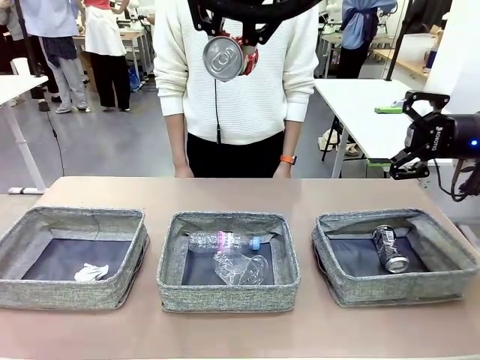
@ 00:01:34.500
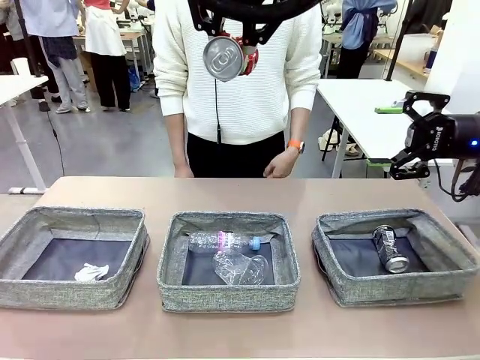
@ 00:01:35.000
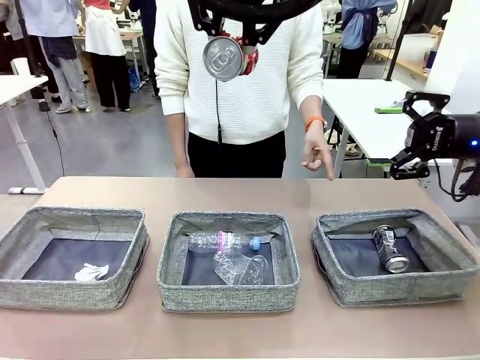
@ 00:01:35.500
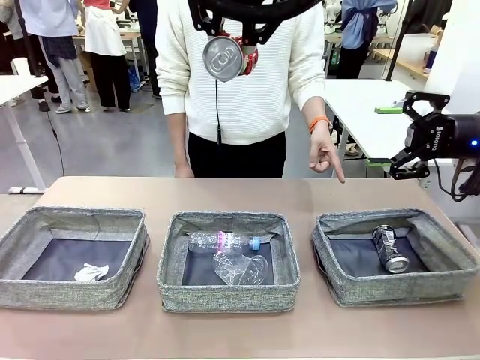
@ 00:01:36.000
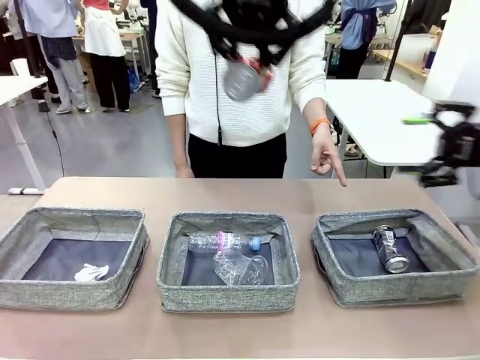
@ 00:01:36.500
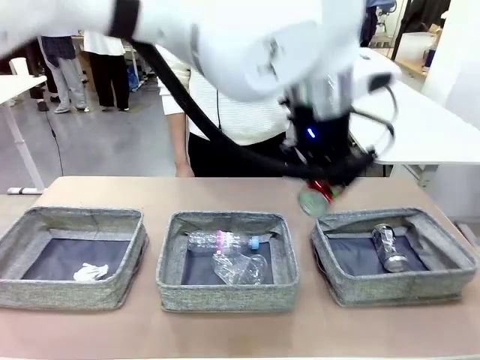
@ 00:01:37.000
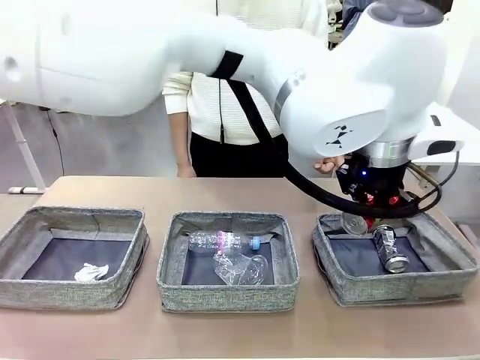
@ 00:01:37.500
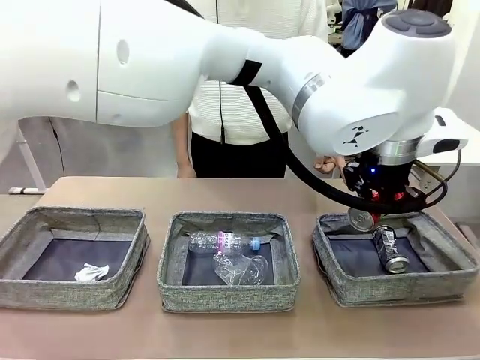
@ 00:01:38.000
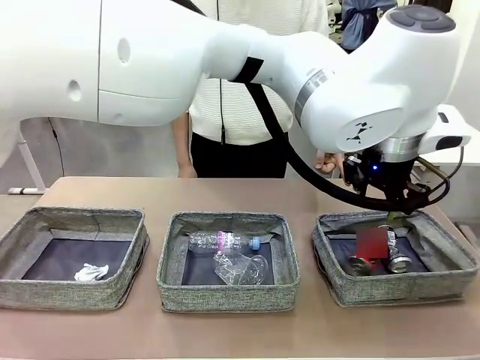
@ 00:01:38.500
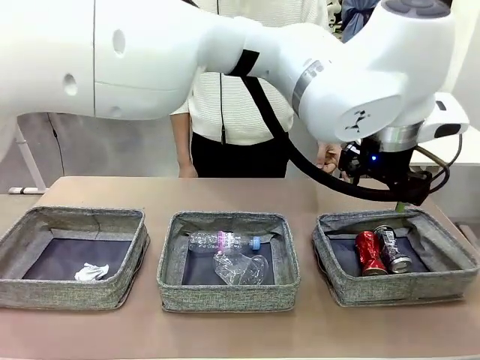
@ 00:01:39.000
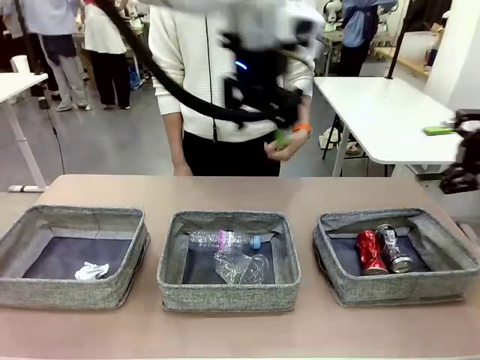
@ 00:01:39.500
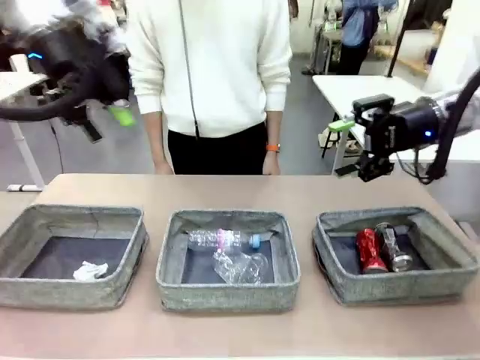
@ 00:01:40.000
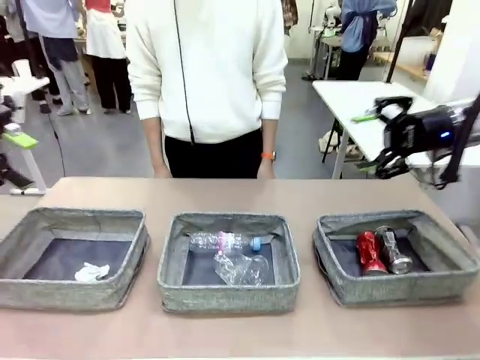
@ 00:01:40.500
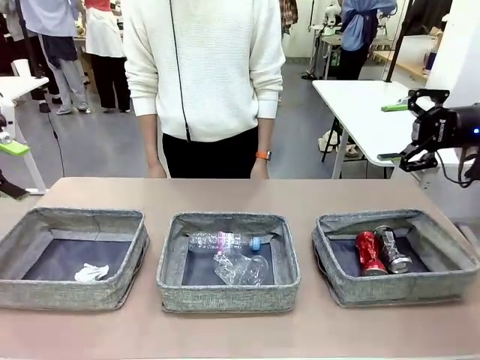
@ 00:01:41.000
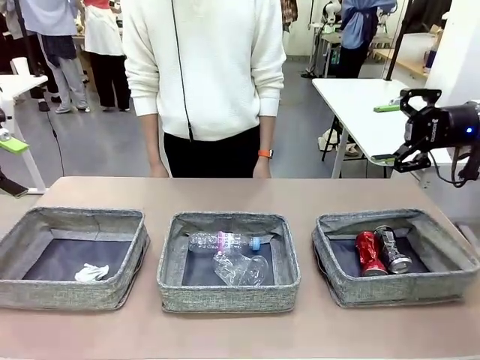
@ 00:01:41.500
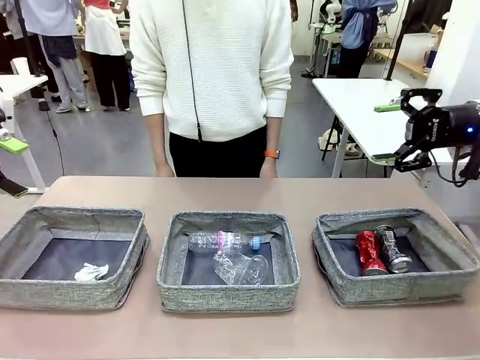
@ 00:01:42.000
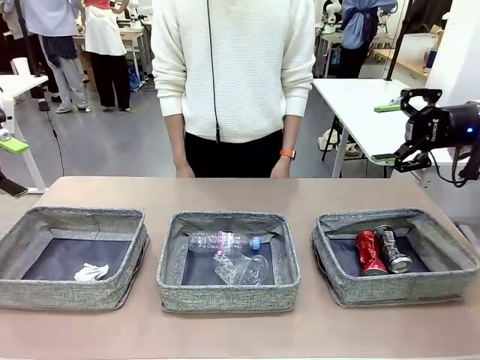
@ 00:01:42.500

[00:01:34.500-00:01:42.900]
Task: Sort the waste into the appropriate baskets.
Robot: Place the picked waste into the Fabric basket indicated by the person.
Person: Instructs the robot to place the picked-up trash into the appropriate organizing basket.

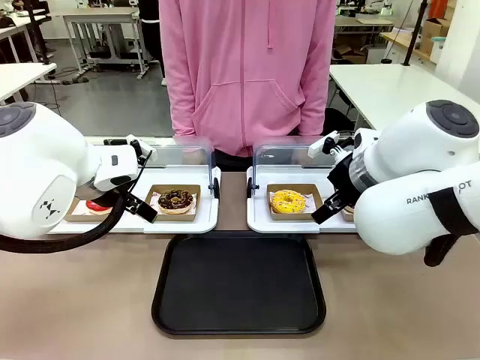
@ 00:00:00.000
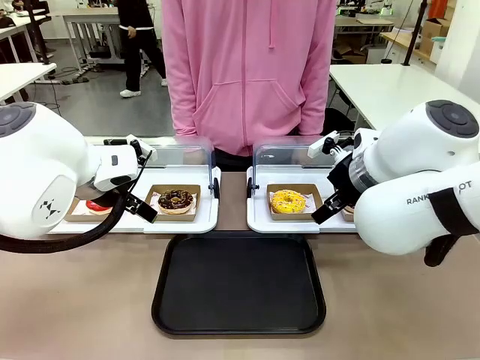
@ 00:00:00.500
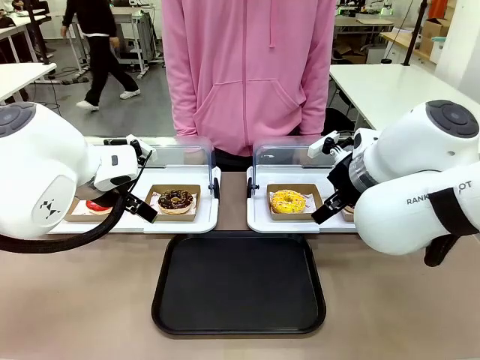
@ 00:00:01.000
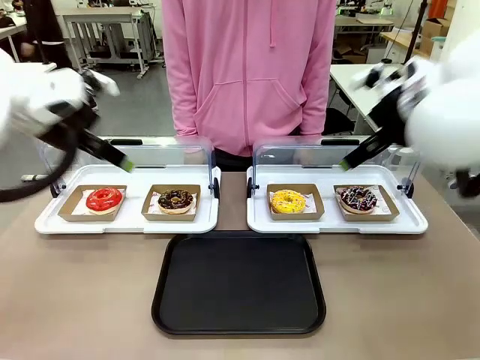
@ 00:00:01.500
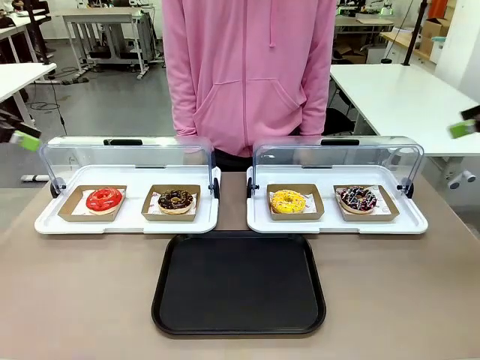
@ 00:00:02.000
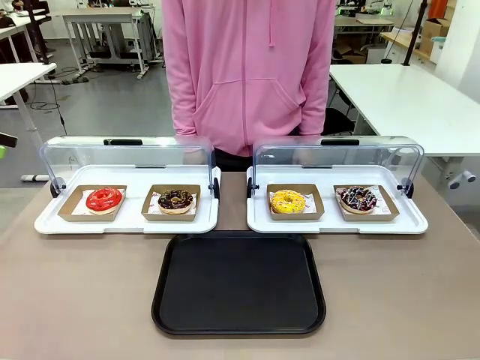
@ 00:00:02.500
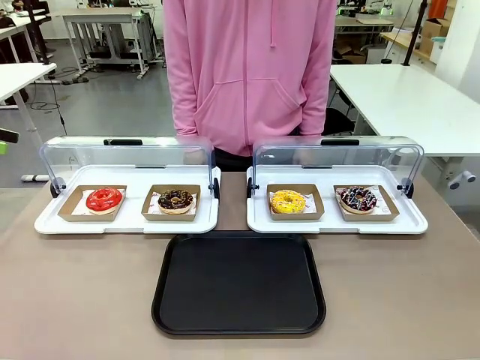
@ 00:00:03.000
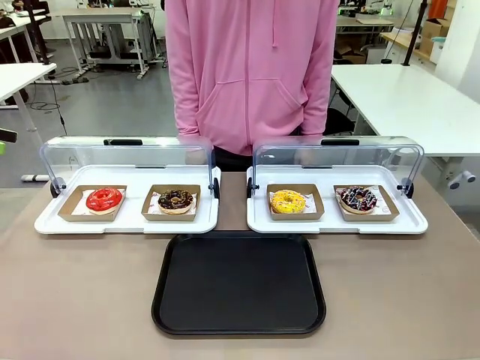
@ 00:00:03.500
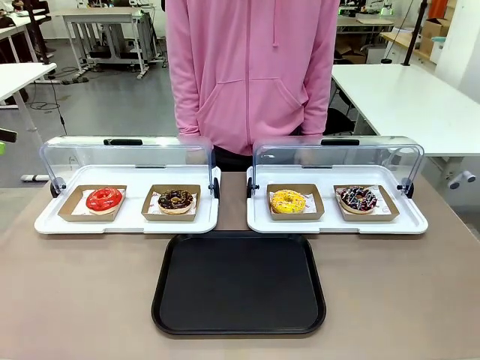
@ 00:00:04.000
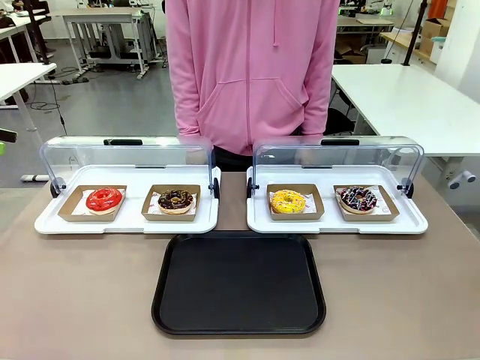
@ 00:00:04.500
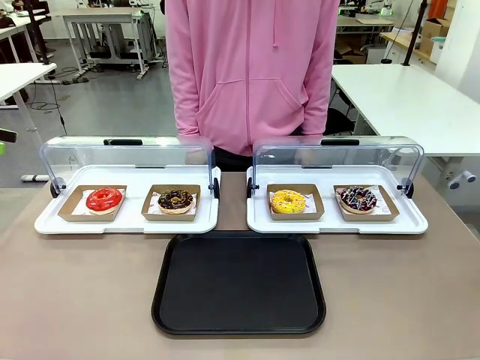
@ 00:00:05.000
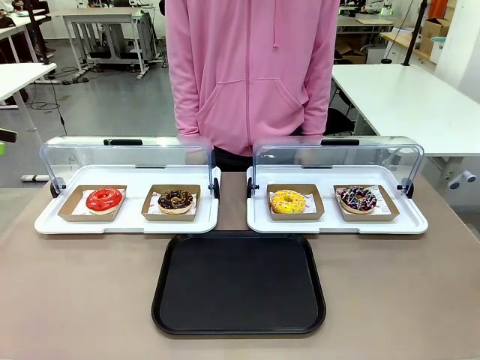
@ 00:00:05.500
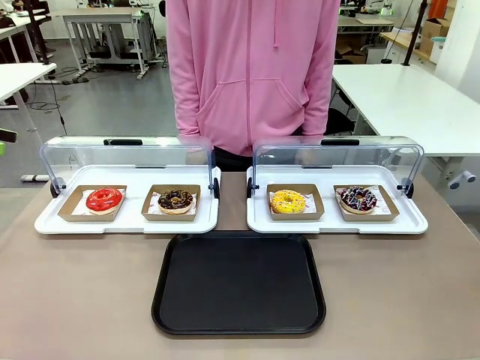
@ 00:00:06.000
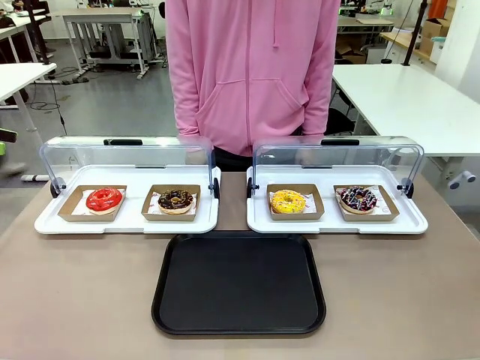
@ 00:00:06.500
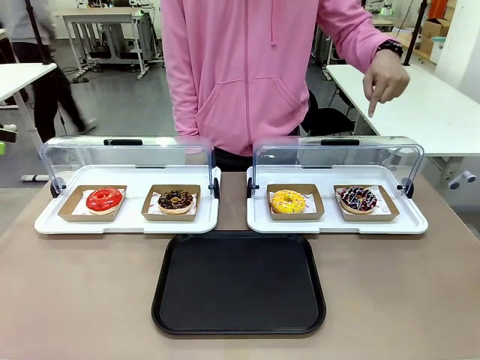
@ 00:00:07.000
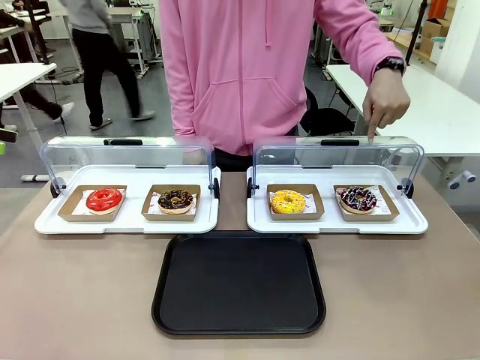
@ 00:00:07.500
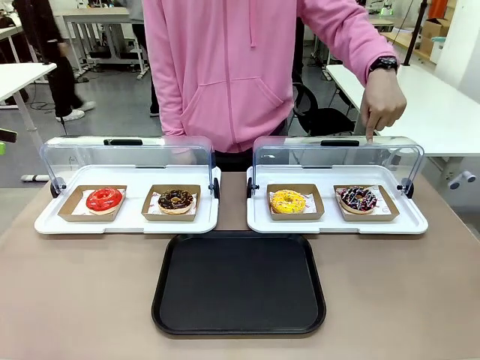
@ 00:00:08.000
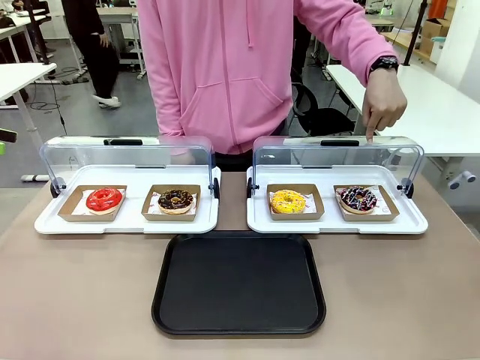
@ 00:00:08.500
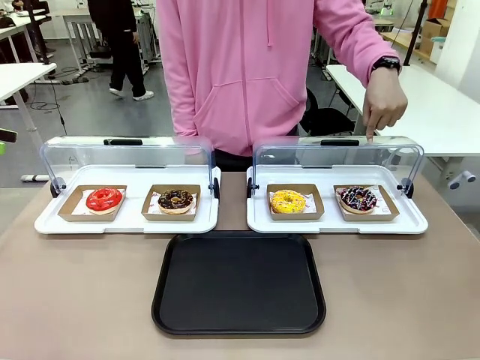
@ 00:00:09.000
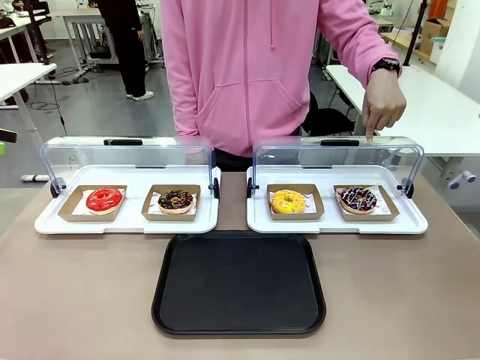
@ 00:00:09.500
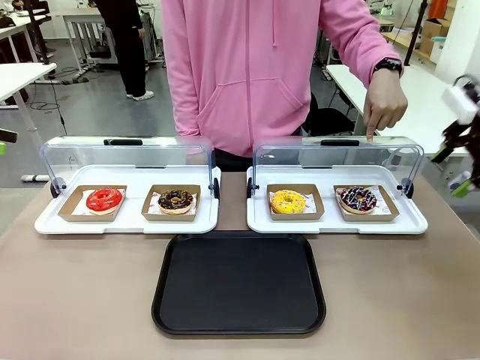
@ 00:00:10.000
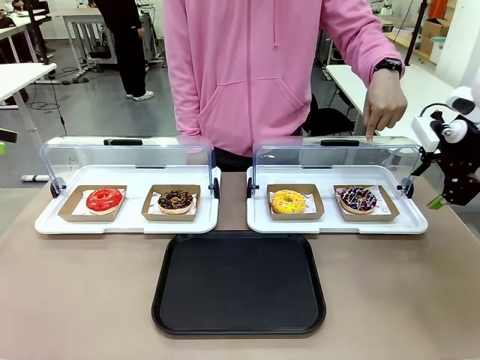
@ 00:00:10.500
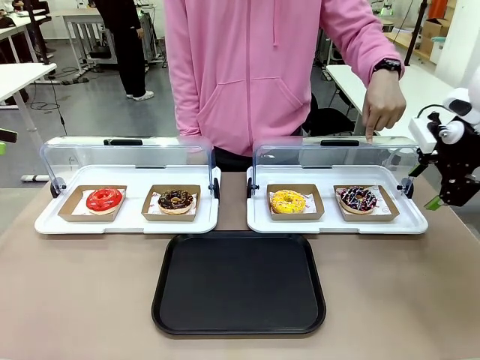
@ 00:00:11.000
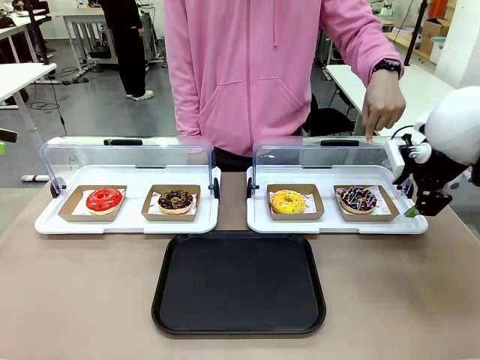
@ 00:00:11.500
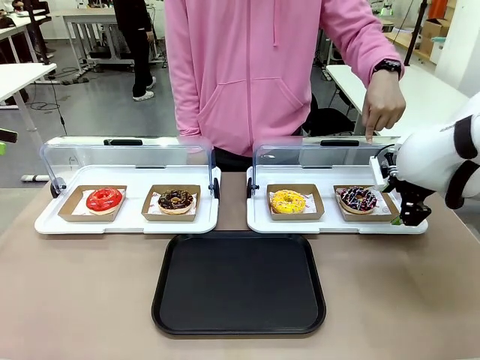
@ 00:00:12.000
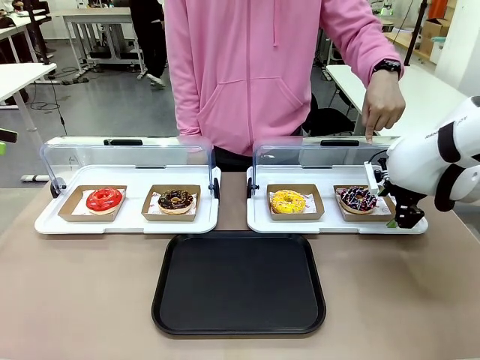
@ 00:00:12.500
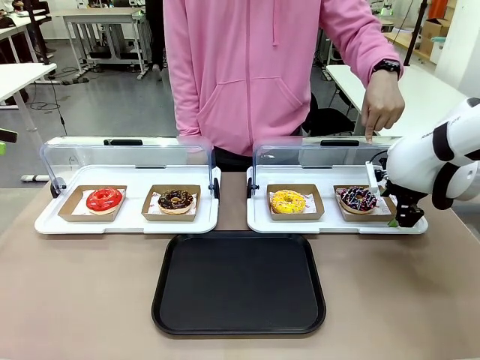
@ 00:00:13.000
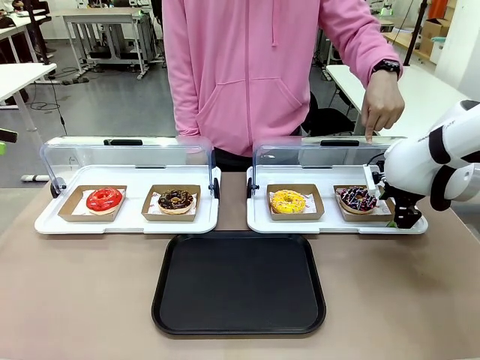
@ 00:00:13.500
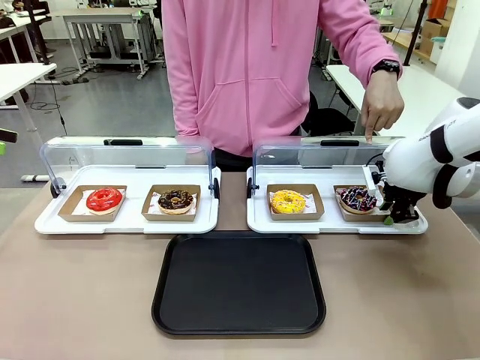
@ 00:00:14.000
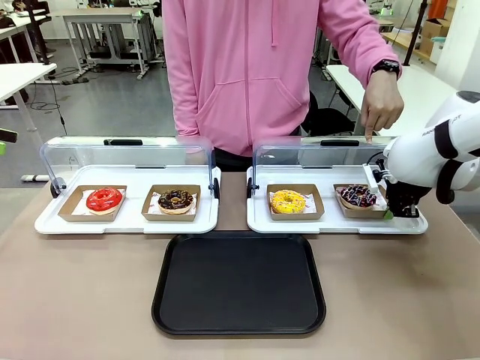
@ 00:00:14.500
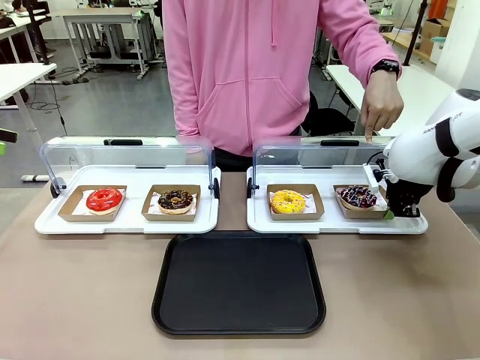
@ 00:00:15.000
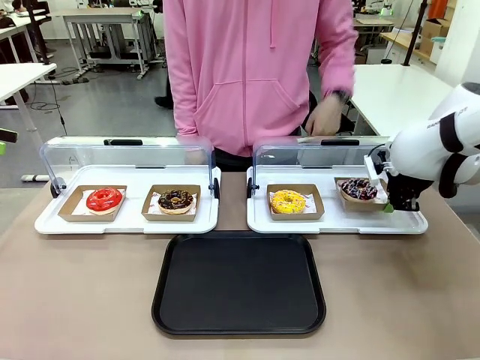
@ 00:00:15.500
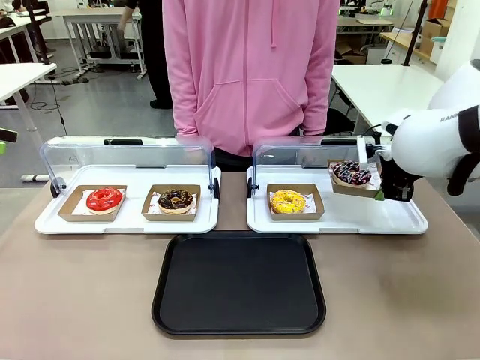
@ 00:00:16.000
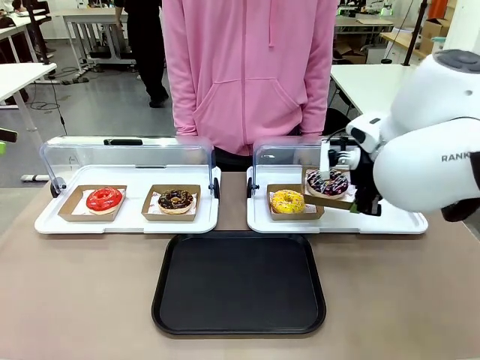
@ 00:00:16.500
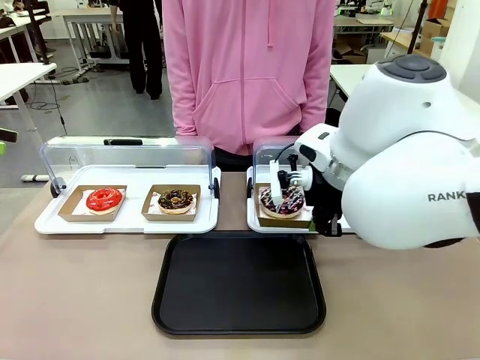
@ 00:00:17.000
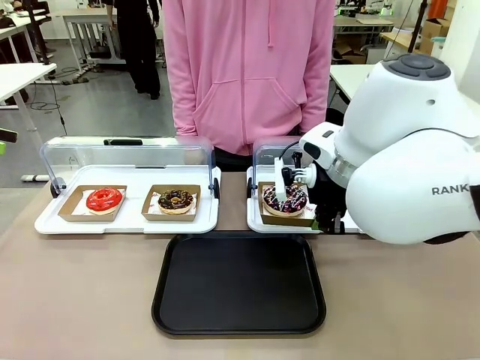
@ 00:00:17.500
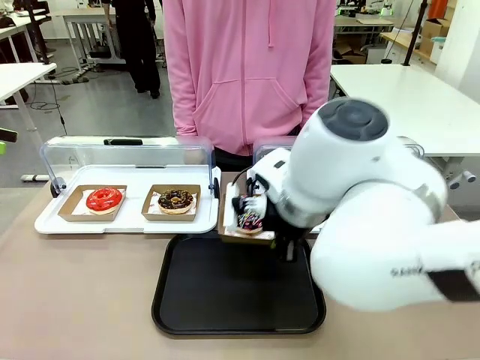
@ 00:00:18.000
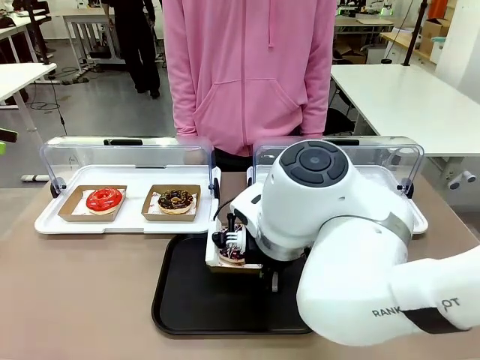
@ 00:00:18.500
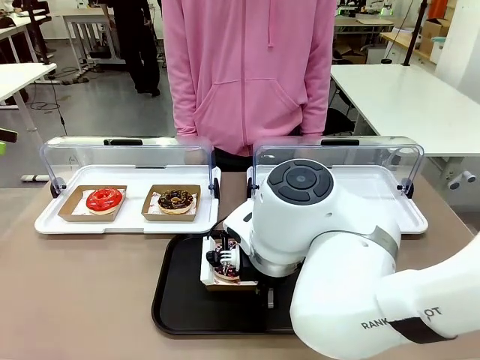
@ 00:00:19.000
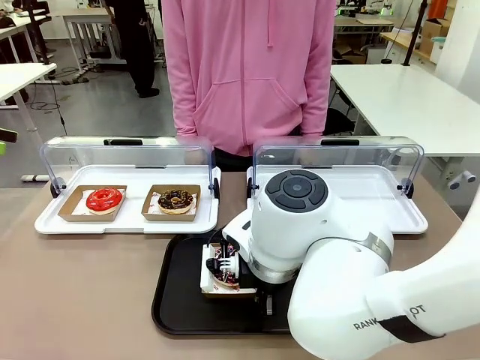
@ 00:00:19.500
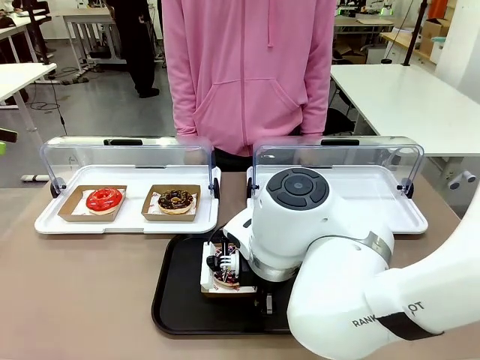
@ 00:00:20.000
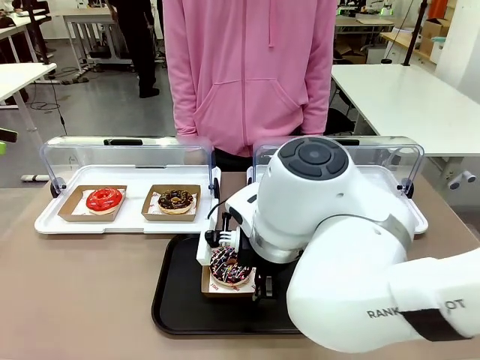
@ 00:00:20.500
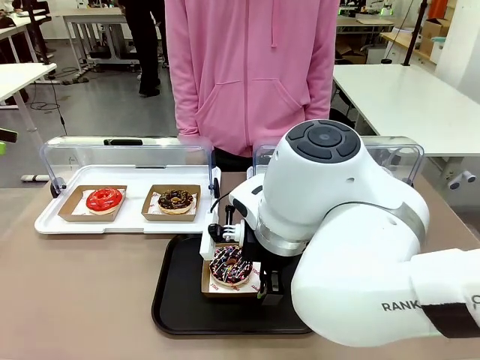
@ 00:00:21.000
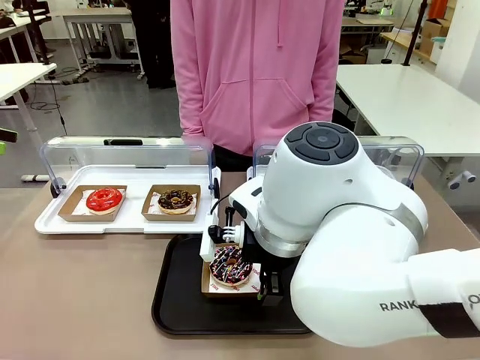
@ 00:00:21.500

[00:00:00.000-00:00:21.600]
Task: Move the fourth donut from the left to the tray.
Robot: Pick up the Paper togo box containing the Donut indicated by the person and place it on the Handle tray.
Person: Points to the fourth donut from the left from the robot’s perspective.
